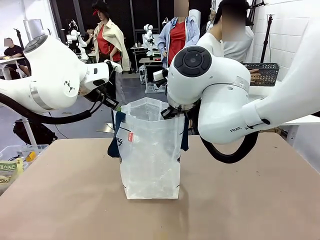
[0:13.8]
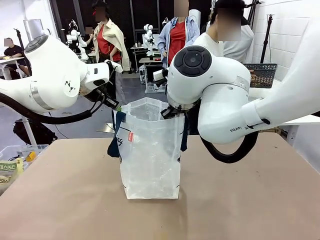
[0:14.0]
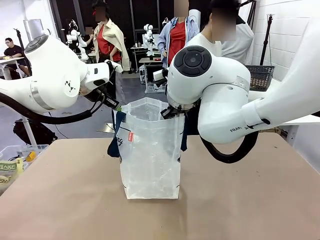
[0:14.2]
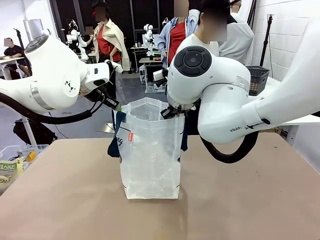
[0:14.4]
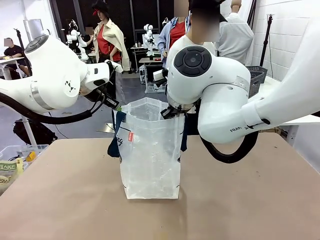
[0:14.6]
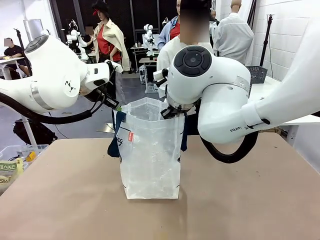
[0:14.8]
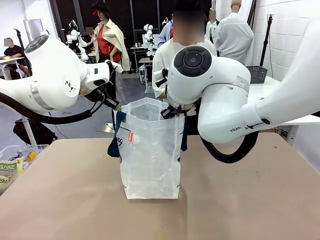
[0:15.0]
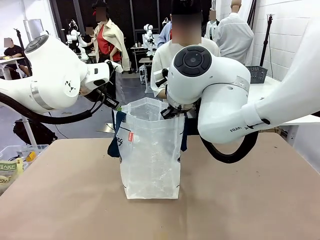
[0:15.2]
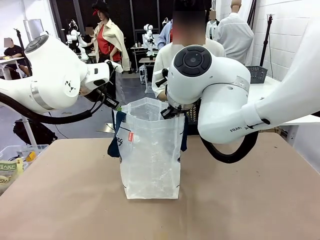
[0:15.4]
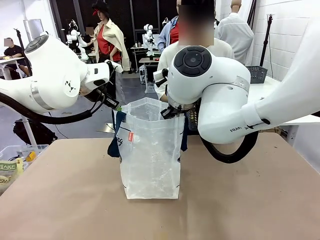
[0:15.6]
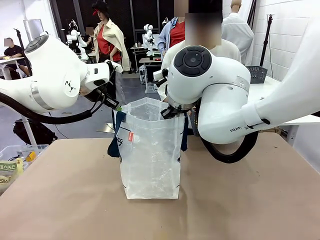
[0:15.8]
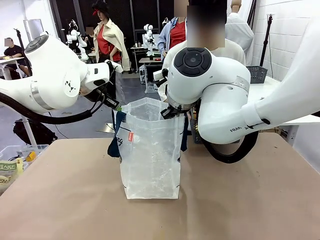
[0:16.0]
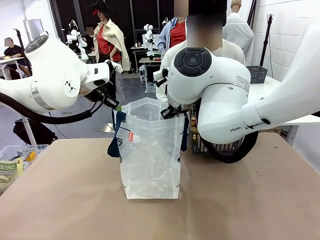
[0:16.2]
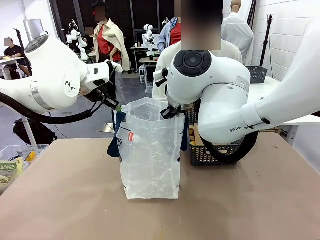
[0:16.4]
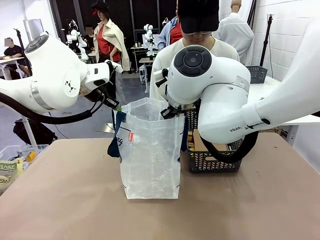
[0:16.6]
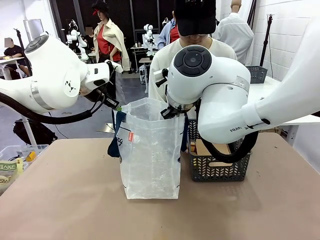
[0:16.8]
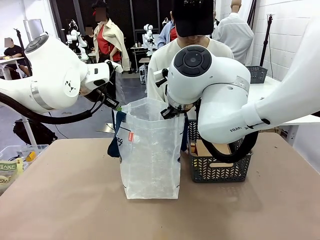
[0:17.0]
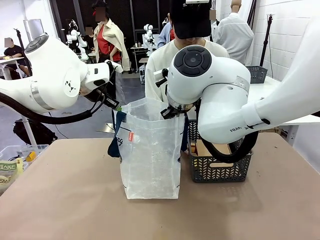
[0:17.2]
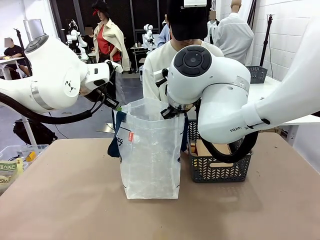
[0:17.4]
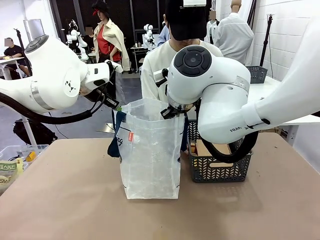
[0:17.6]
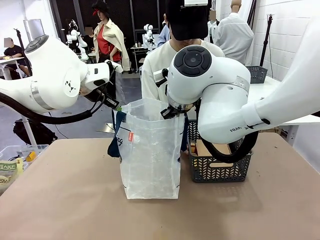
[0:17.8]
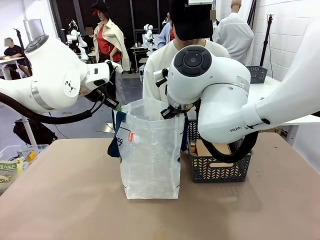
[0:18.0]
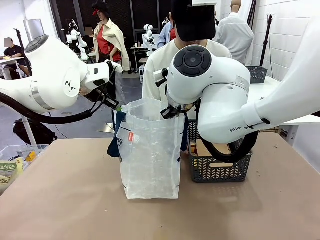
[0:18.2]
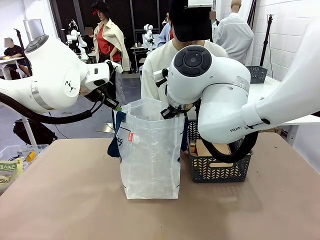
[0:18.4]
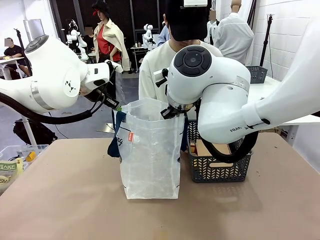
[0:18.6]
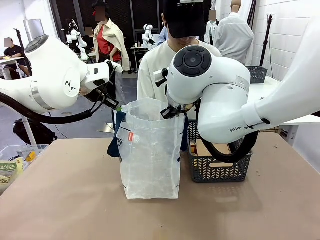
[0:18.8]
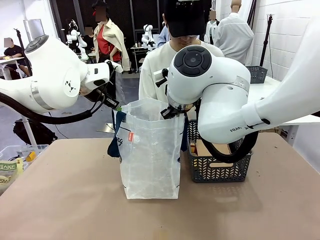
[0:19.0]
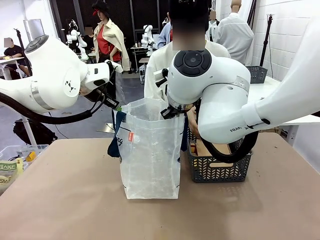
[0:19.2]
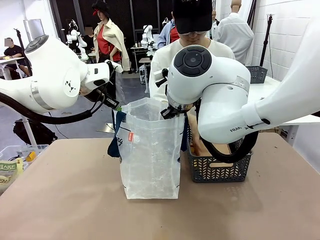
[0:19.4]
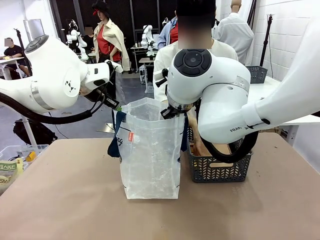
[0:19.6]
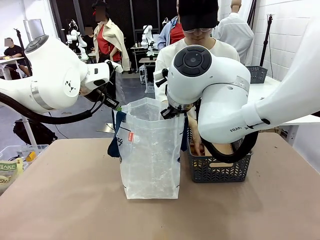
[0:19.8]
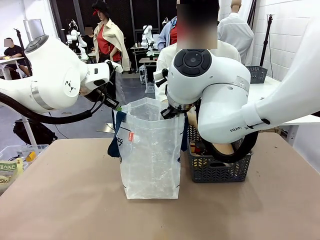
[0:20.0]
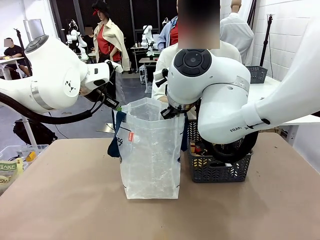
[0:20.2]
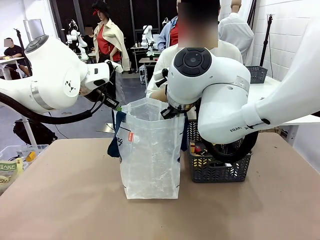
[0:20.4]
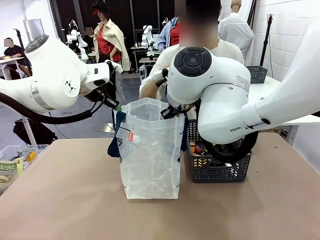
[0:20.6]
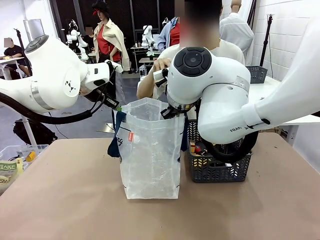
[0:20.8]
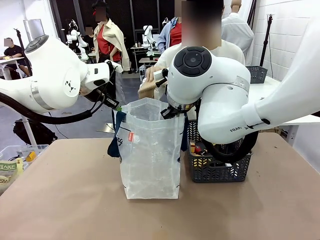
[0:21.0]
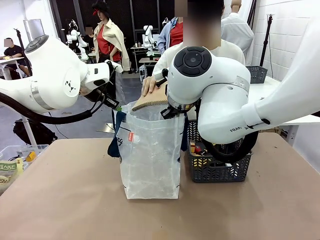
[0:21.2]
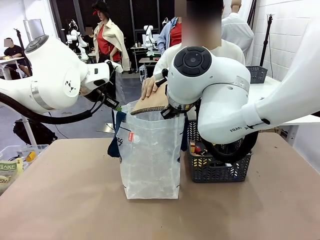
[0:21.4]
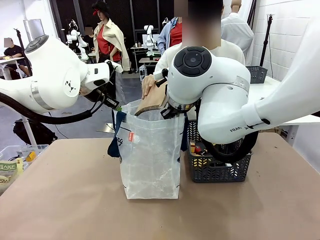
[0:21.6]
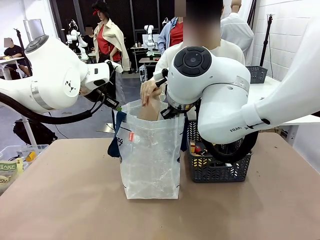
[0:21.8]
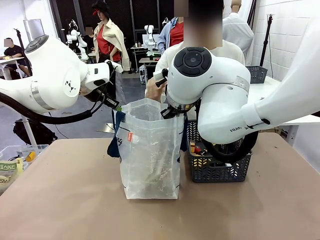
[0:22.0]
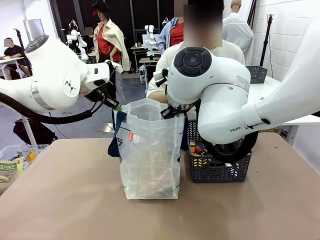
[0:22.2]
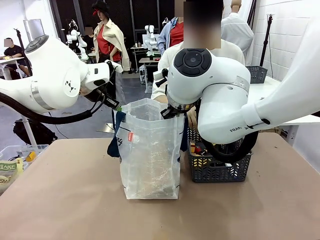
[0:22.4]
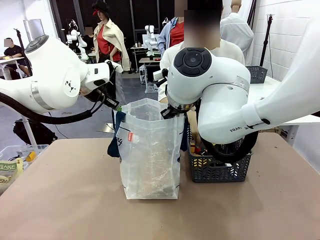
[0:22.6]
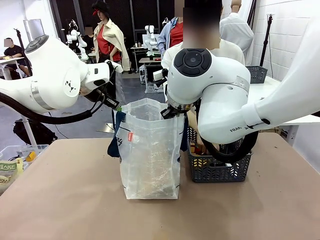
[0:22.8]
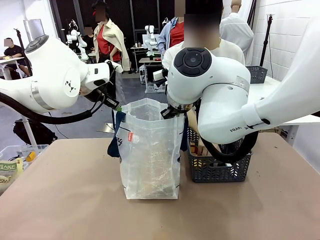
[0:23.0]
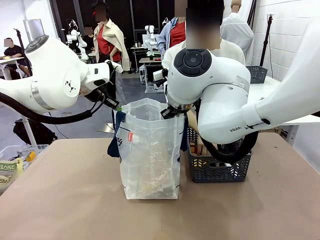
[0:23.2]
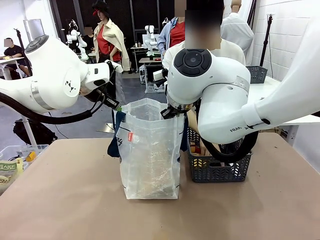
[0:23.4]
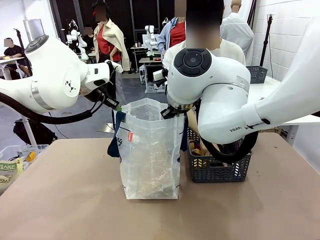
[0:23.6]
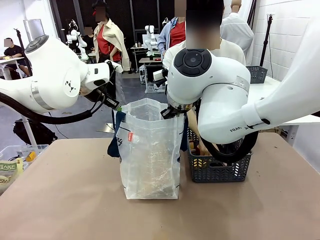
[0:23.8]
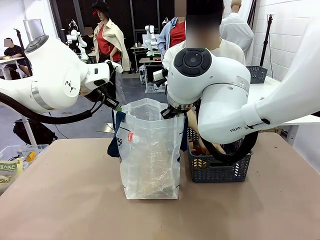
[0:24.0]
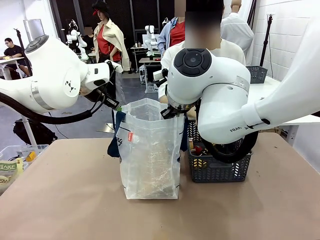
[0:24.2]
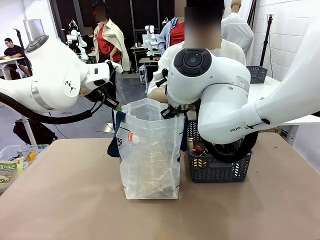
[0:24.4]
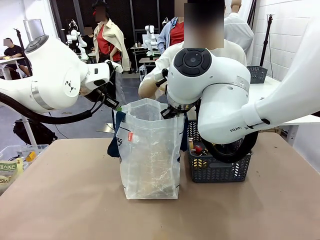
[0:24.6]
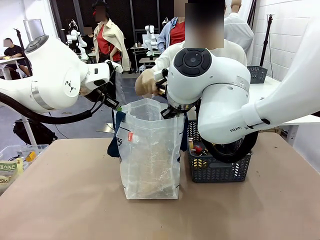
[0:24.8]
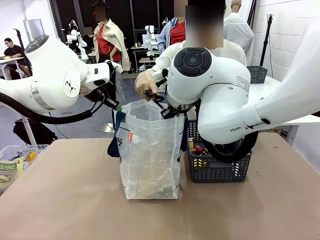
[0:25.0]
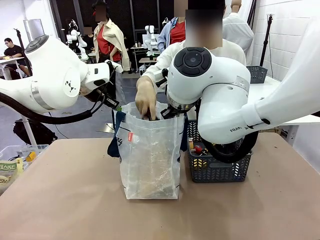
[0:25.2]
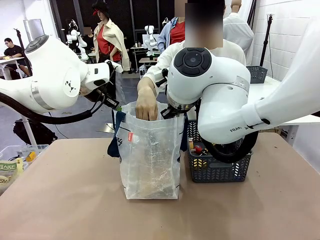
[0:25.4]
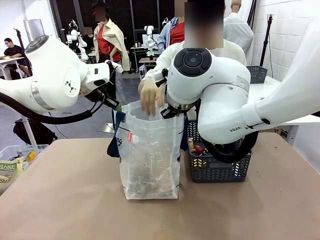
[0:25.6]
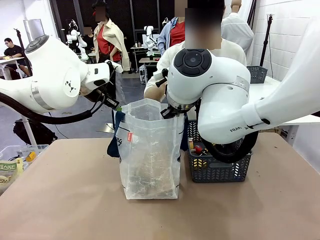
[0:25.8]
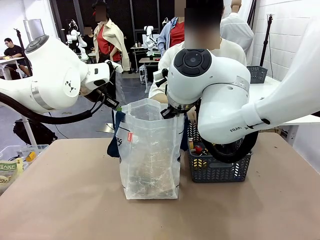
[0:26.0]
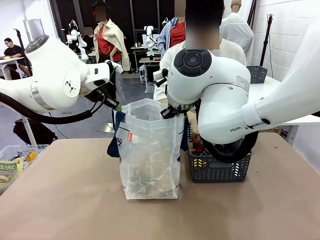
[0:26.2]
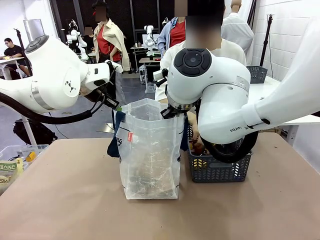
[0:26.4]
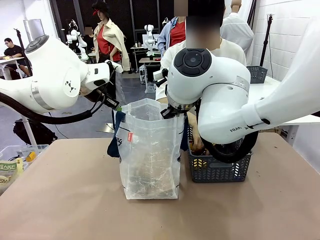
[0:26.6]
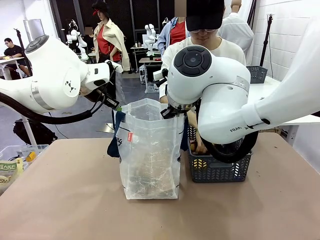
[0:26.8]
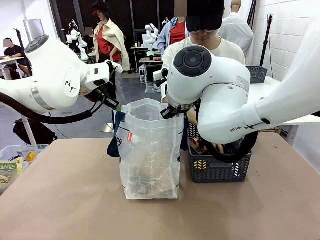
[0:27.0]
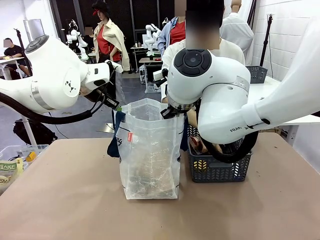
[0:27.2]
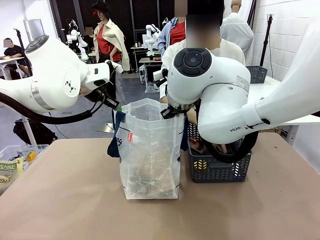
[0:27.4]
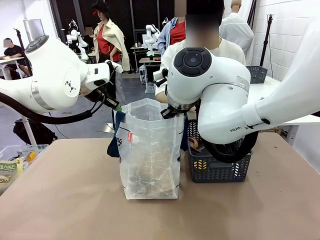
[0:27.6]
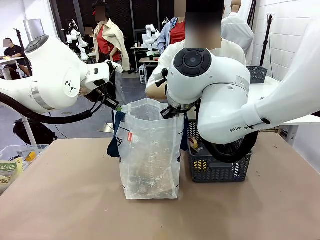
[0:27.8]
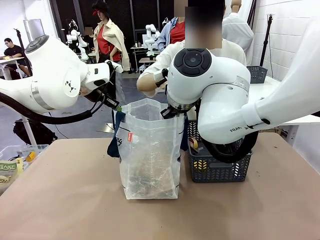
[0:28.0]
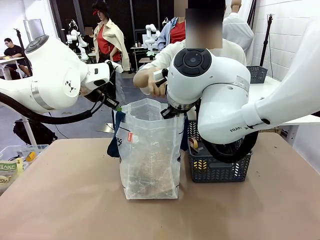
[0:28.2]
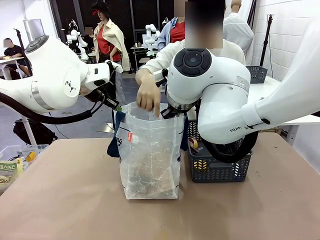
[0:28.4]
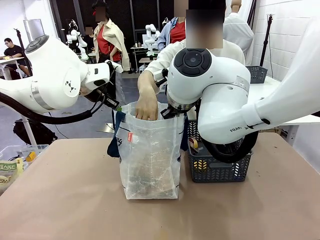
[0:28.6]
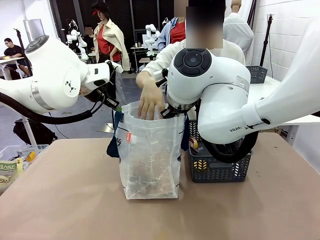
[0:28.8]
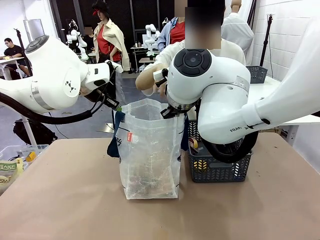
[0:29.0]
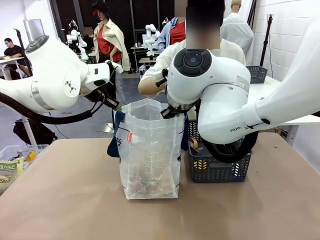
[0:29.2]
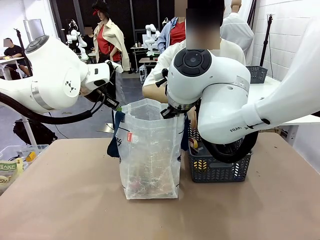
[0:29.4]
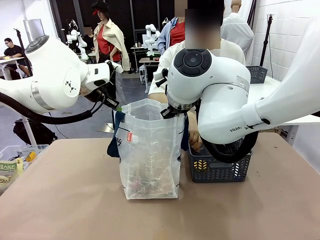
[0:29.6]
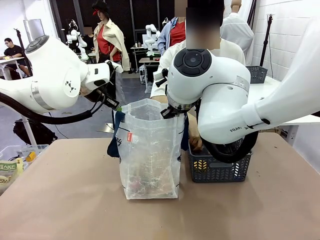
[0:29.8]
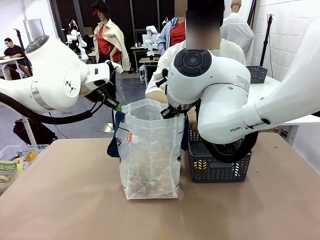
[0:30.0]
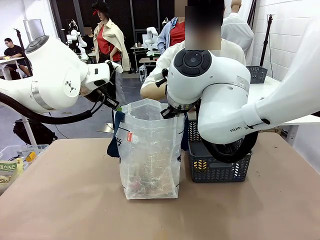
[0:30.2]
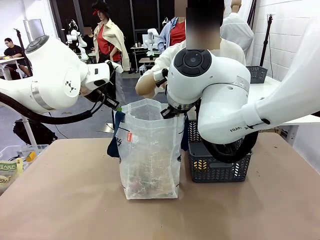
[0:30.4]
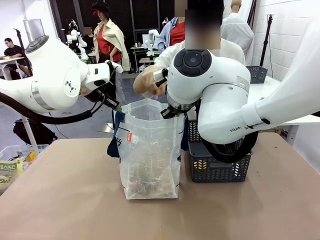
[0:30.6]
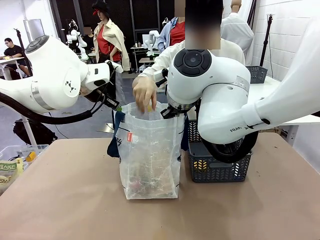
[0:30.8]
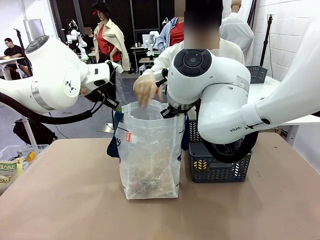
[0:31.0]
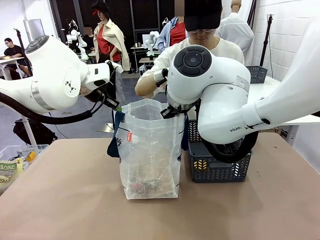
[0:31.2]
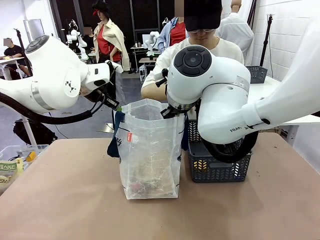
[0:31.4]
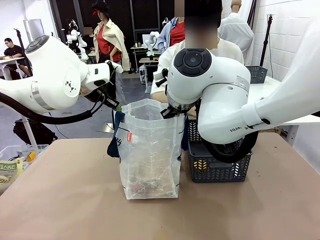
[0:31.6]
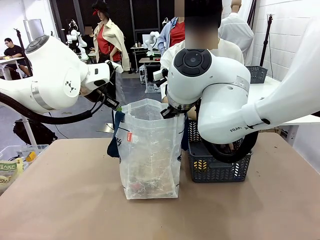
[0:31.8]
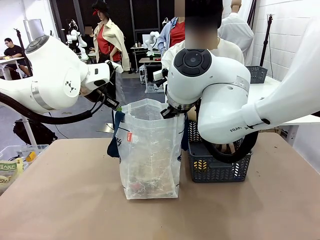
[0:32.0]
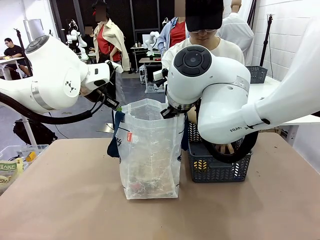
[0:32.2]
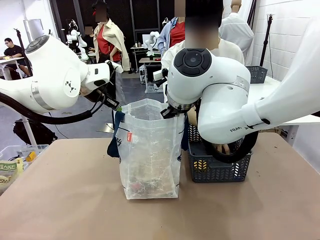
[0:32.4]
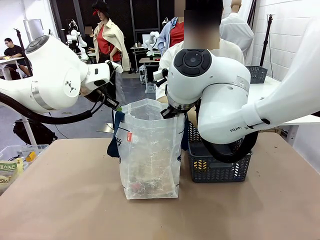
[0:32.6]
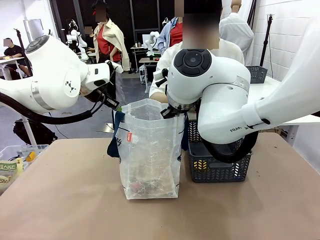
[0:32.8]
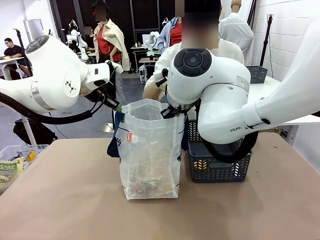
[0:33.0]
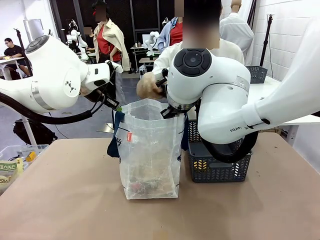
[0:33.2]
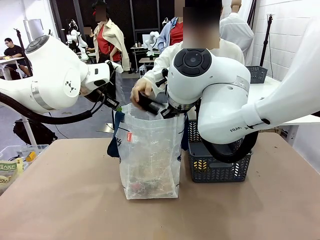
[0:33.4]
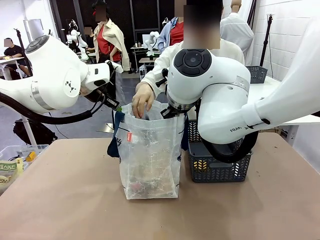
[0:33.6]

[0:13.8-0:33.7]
Task: Transfer purchased items from the store into the shopping bag.
Robot: Move the Reusable shopping bag to the right side of the table.
Person: Pick up the basket with the items out and place it on the right side of the human table.
